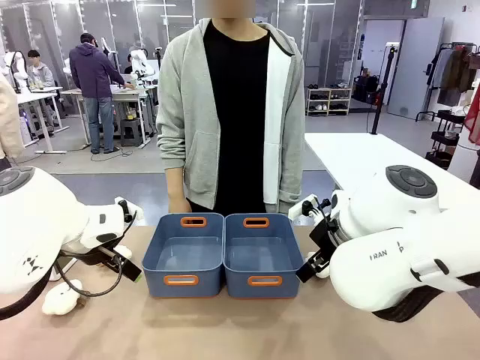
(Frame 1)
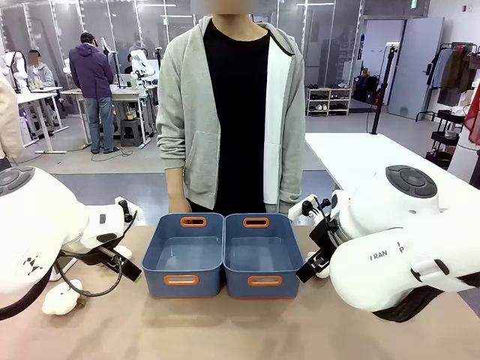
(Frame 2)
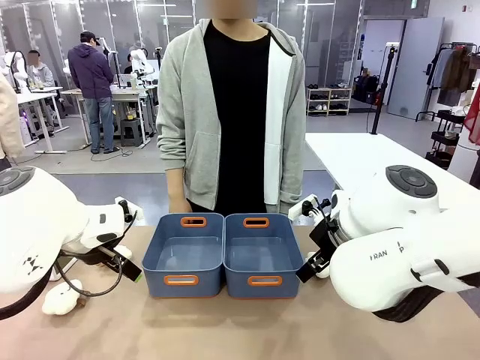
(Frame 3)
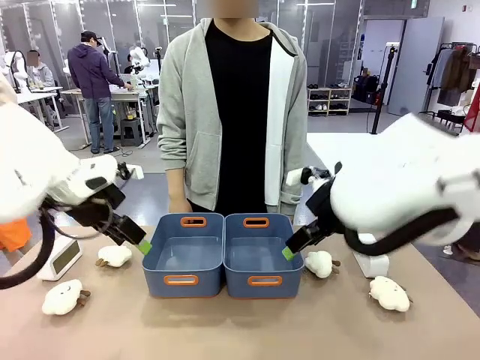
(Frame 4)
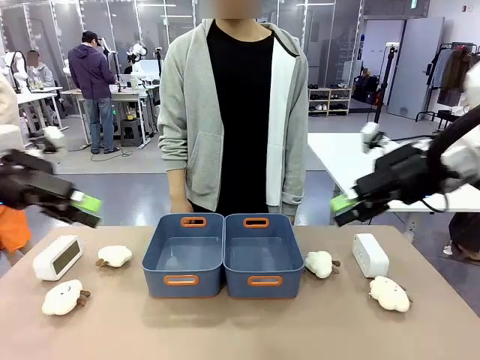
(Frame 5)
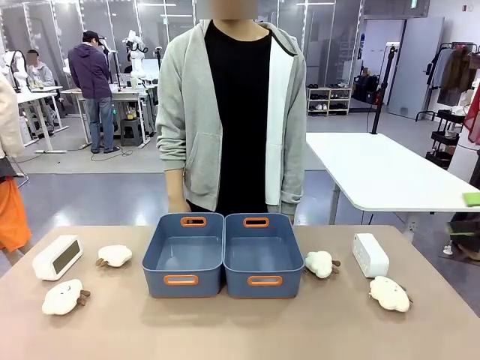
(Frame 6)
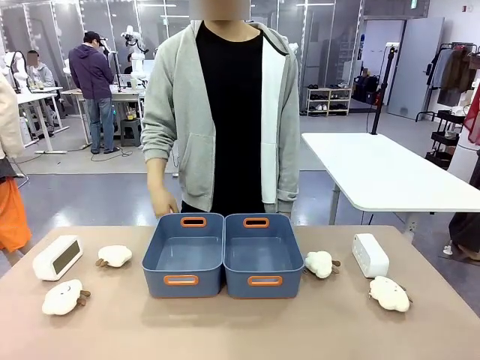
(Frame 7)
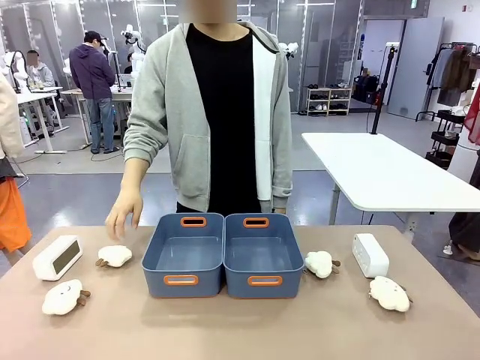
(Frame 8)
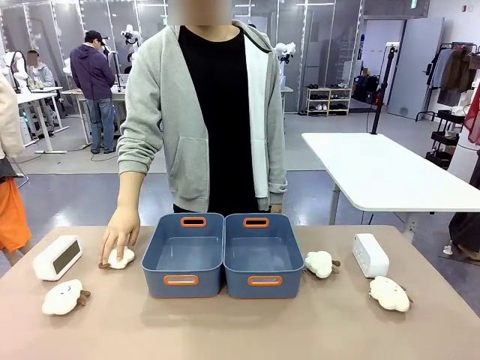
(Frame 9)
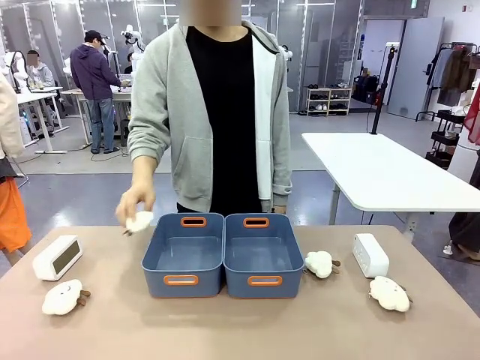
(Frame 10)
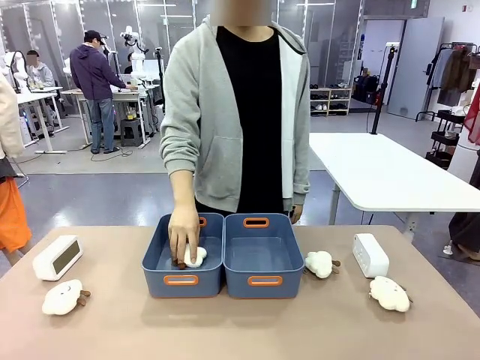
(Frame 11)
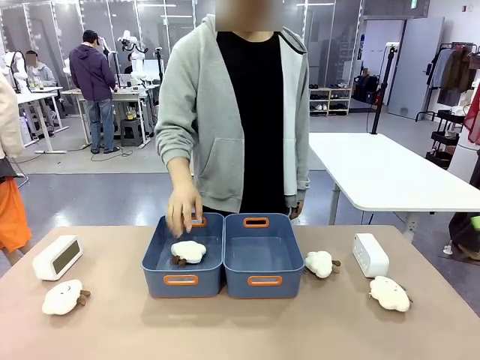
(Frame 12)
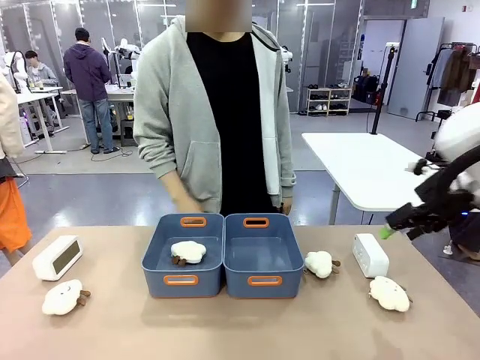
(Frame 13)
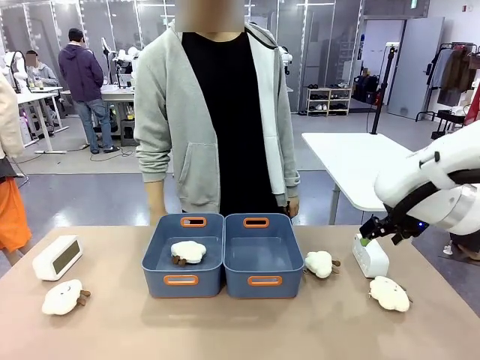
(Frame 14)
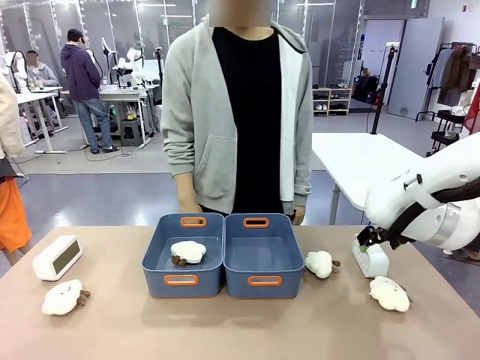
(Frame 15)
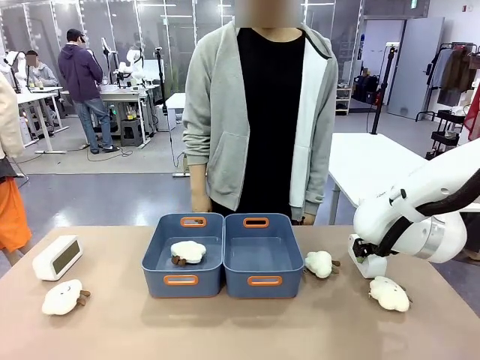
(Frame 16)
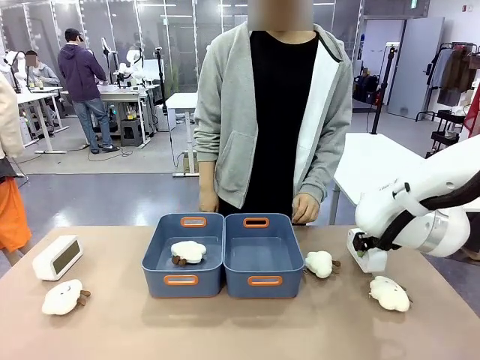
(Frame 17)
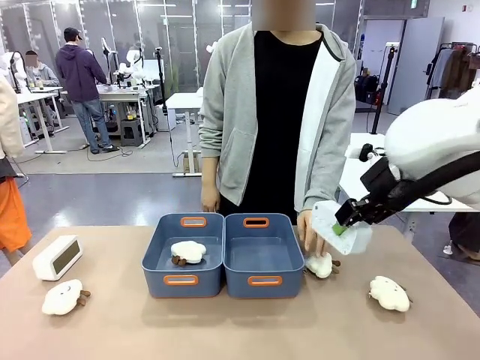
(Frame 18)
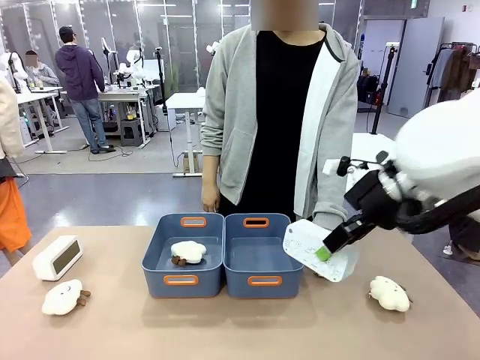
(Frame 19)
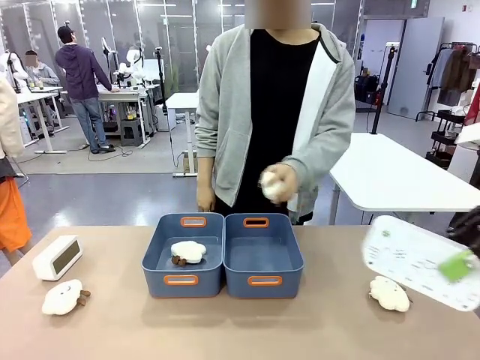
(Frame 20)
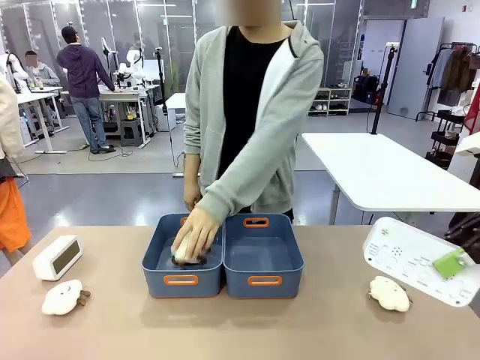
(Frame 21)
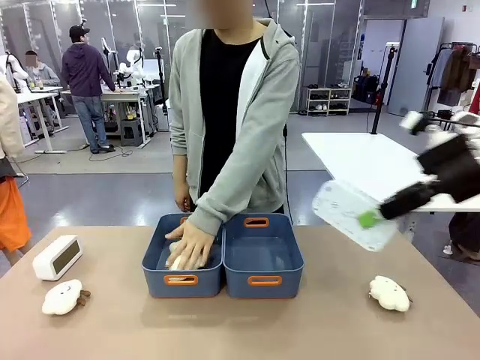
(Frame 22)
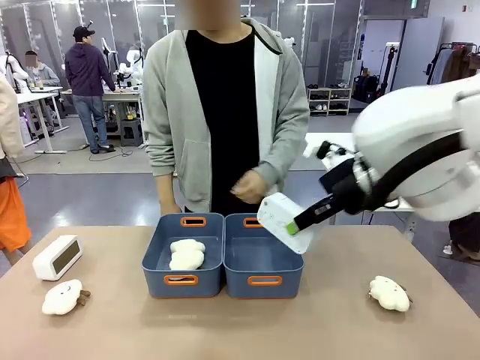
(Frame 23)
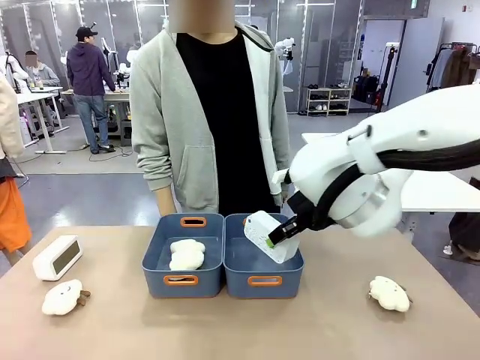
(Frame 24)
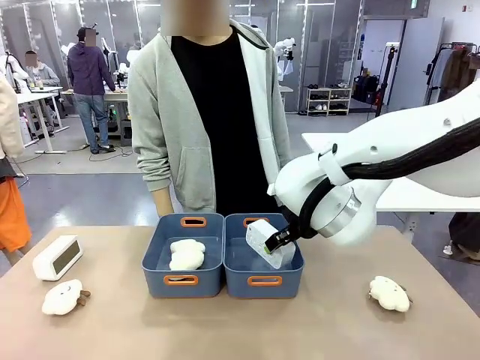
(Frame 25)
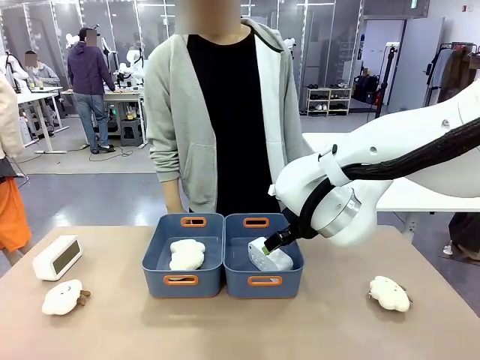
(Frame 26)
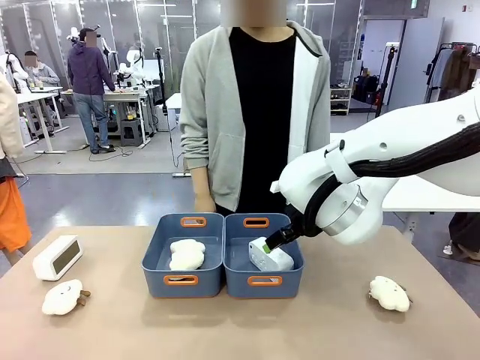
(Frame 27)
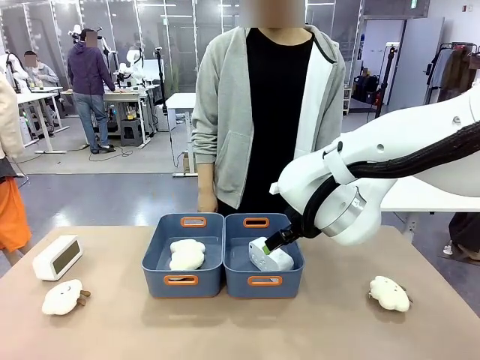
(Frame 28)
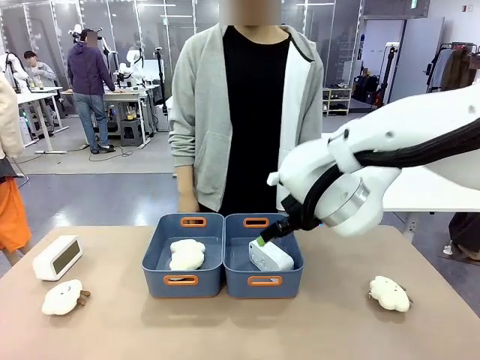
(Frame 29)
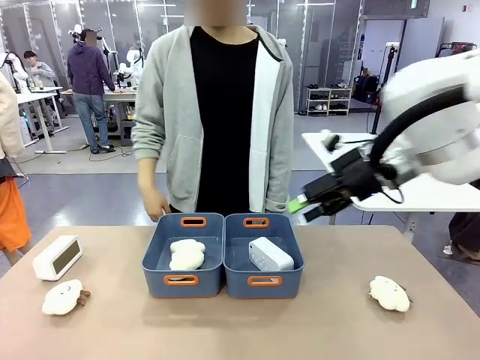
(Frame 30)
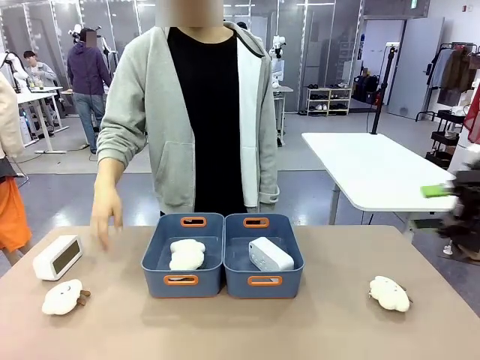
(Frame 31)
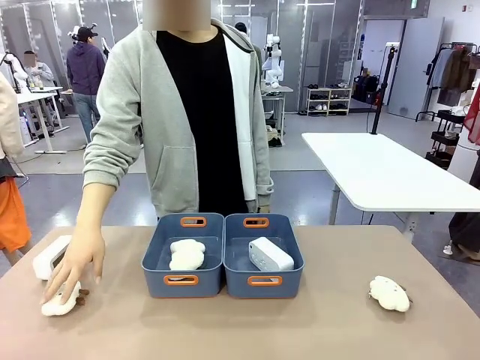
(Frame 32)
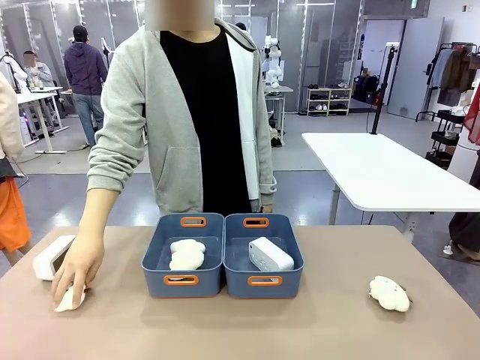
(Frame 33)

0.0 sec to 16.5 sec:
Task: Sort the digital clocks into the basket.
Robot: Pick up the Digital clock from the table and place it into the empty Plastic storage basket.
Person: Pick up a plush toy from the table and place it in a plastic storage basket.
